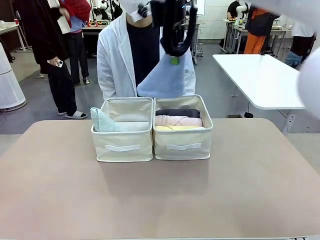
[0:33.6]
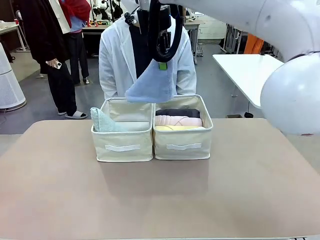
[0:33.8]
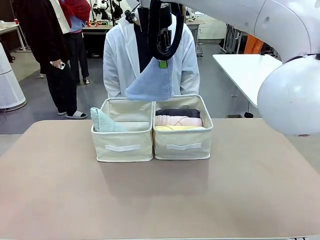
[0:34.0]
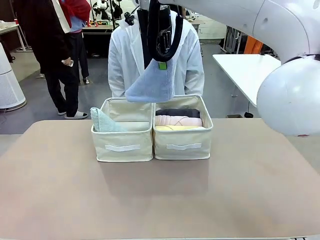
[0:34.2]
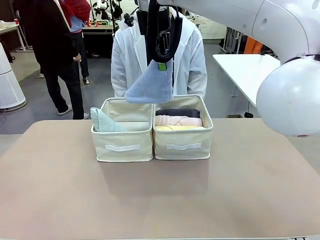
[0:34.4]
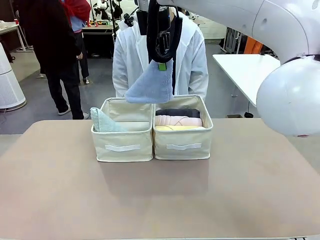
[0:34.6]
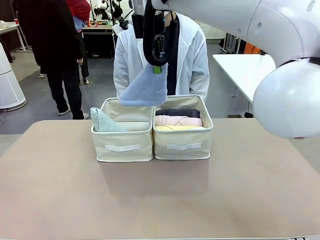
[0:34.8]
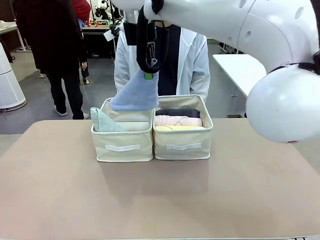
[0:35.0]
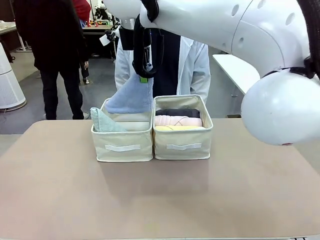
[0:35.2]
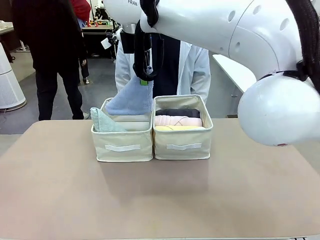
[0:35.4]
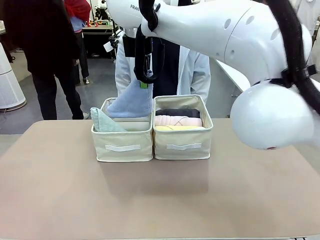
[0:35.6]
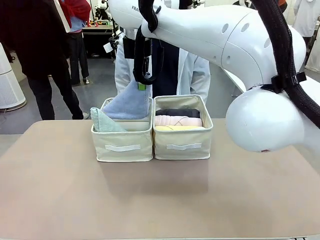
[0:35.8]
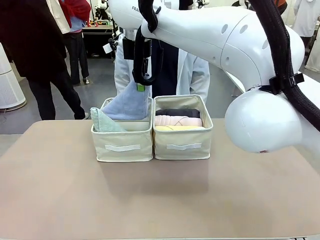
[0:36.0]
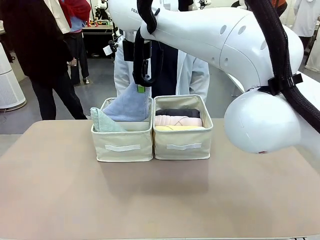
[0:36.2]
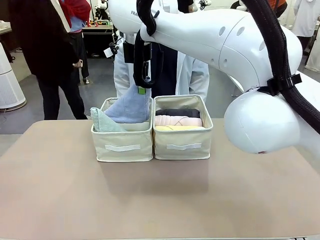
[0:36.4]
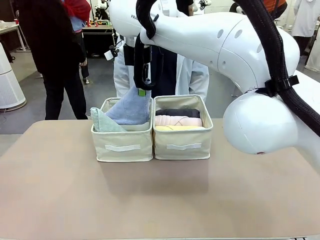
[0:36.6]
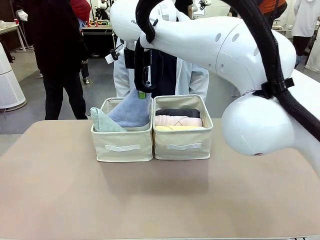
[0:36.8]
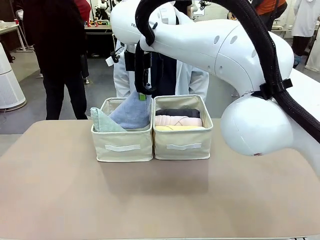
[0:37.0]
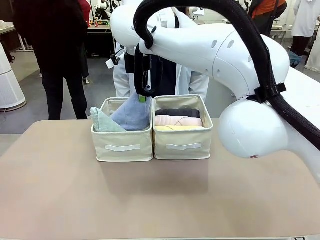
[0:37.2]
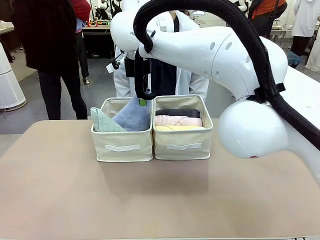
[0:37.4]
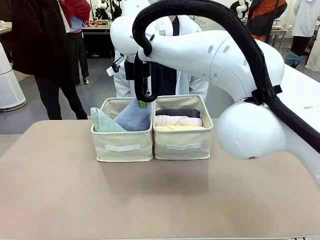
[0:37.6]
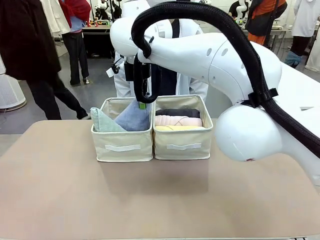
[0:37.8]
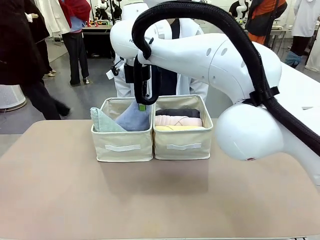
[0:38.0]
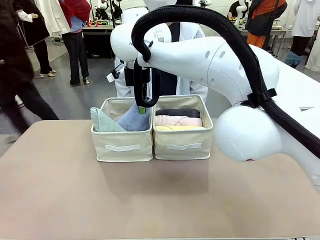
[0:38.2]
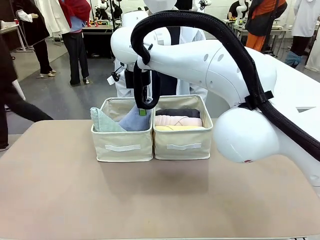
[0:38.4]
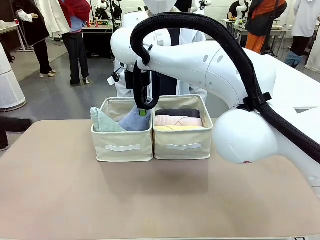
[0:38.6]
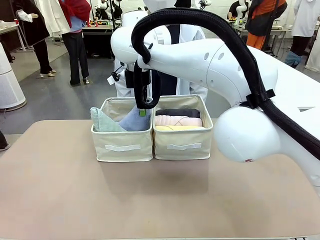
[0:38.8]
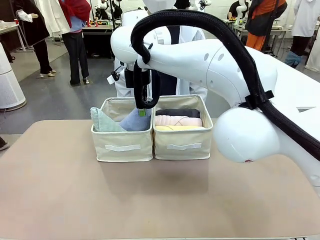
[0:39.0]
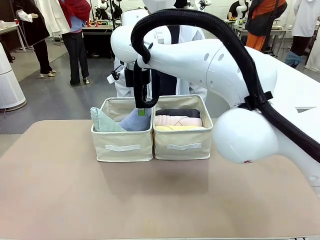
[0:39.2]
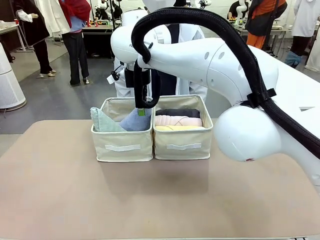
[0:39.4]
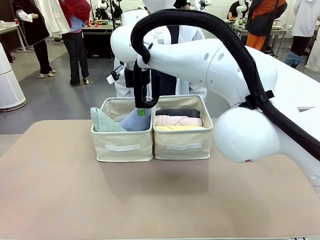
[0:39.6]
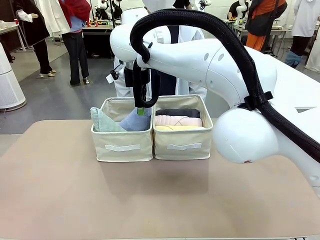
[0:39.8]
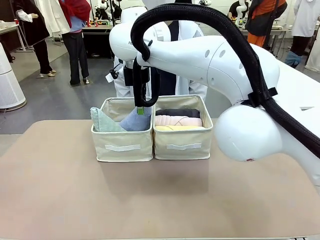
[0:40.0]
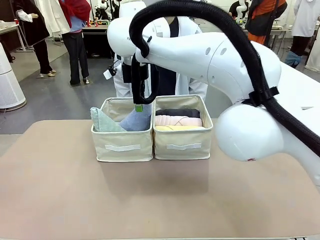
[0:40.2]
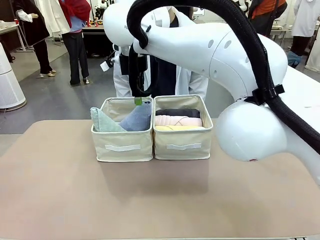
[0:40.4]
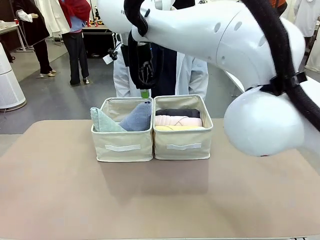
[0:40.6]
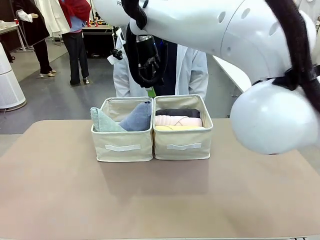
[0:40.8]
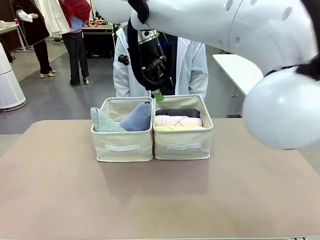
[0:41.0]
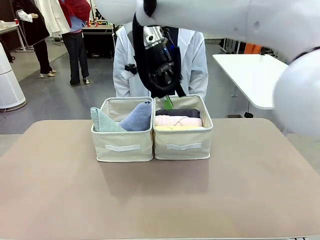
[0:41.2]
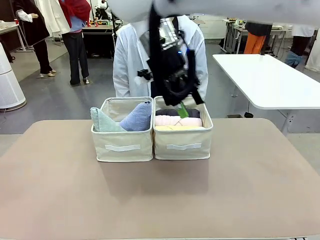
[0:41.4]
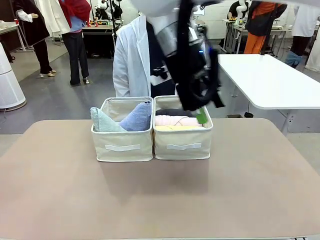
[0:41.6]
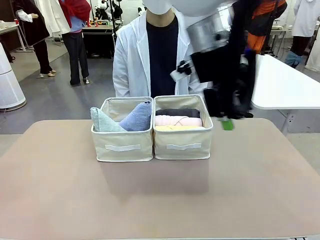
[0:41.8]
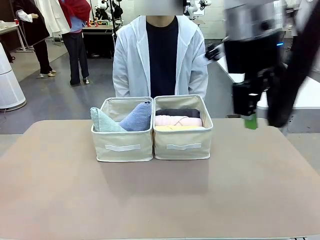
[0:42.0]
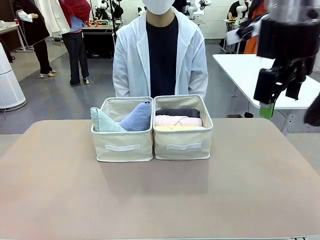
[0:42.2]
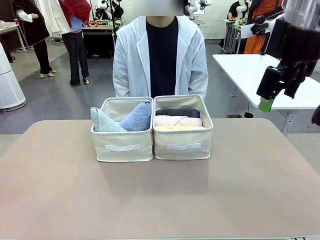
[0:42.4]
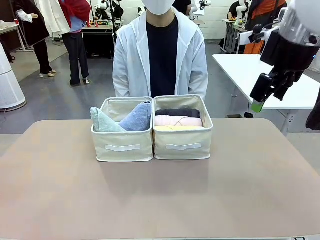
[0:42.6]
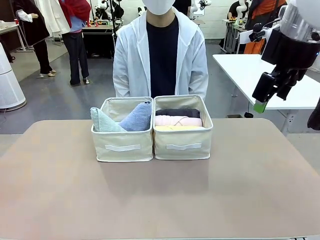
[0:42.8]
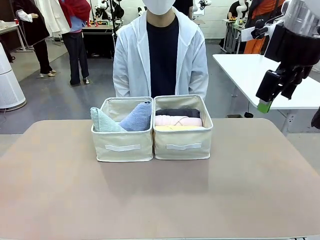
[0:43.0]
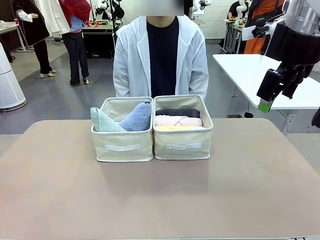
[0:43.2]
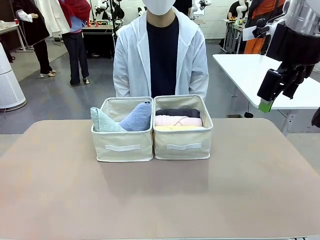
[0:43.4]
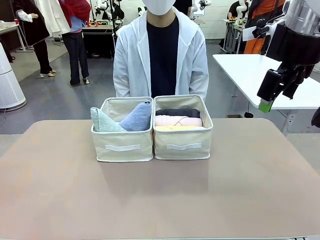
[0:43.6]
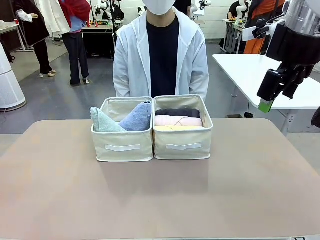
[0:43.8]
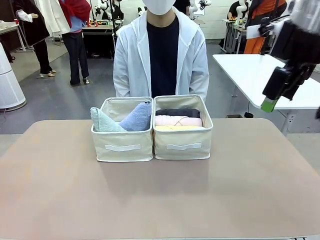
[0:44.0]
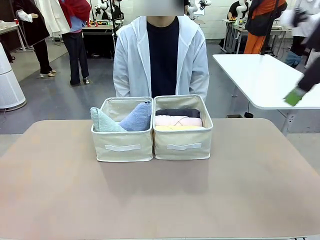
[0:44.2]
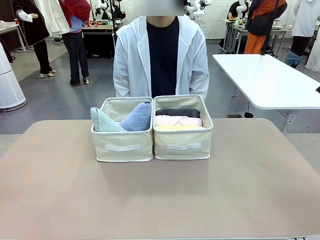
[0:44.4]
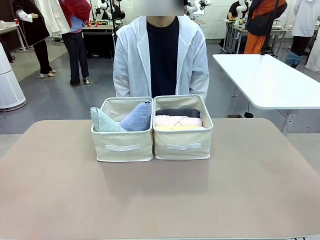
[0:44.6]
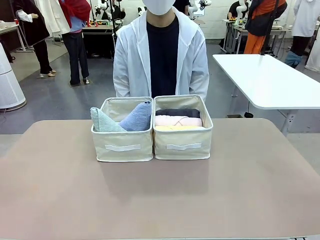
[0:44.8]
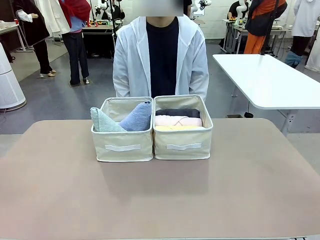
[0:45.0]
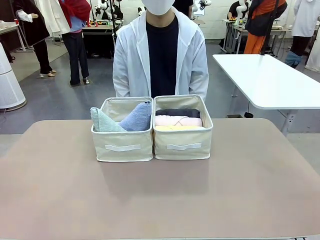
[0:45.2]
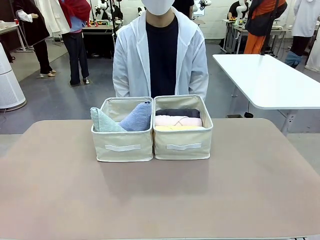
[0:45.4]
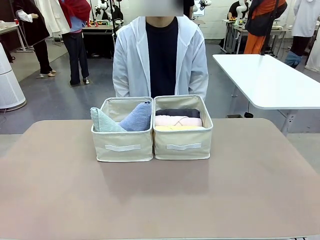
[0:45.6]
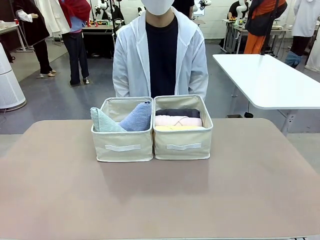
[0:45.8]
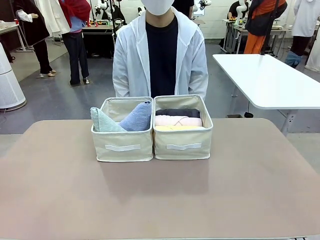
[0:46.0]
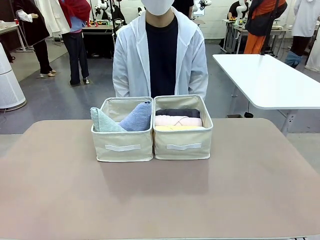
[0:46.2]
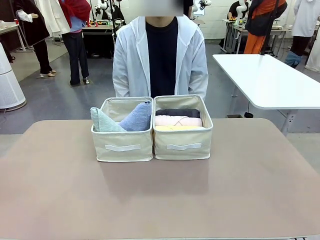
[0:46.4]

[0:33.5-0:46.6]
Task: Sort the towels based on their folding style.
Robot: Pick up another triangle-folded towel from the table and place it in the left Fabric basket.

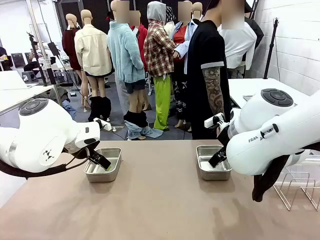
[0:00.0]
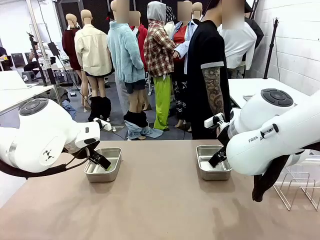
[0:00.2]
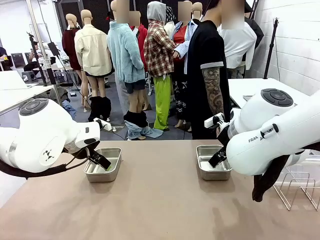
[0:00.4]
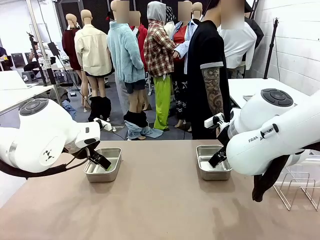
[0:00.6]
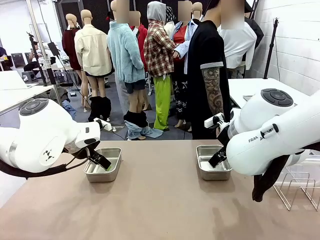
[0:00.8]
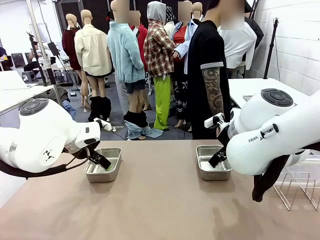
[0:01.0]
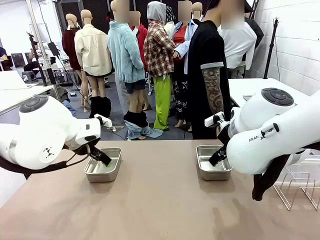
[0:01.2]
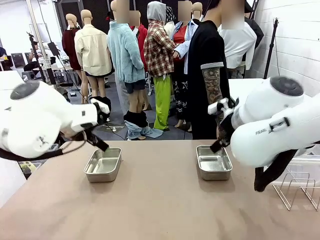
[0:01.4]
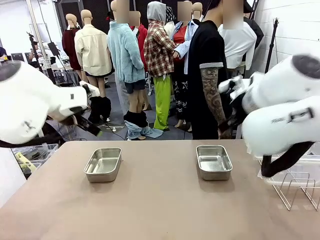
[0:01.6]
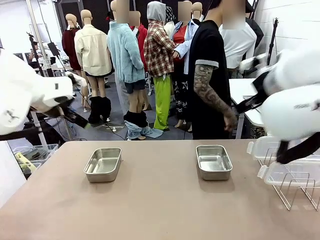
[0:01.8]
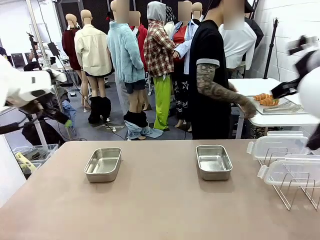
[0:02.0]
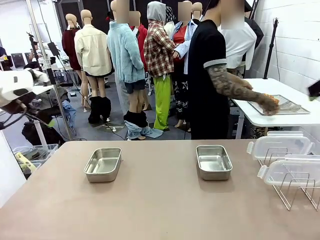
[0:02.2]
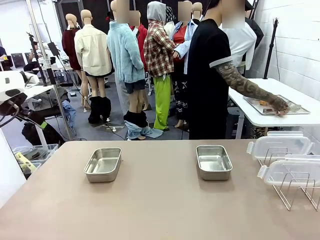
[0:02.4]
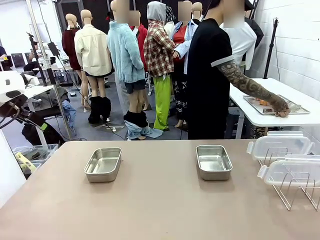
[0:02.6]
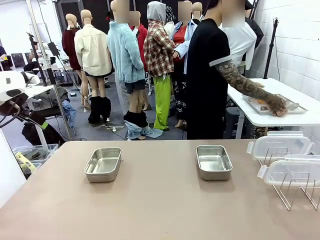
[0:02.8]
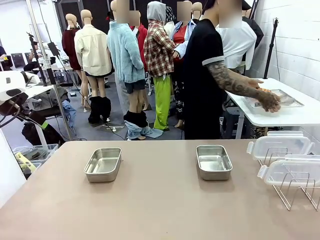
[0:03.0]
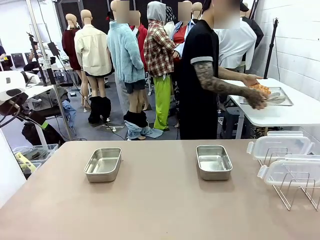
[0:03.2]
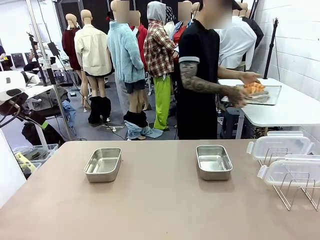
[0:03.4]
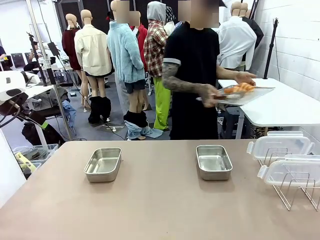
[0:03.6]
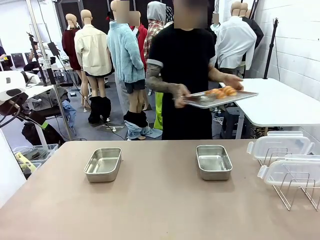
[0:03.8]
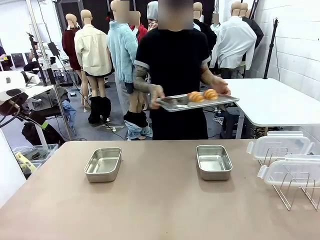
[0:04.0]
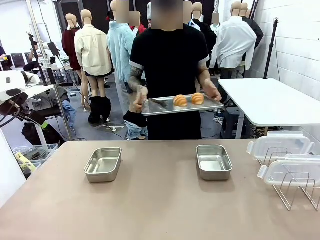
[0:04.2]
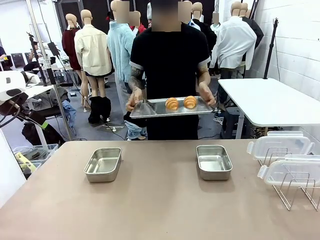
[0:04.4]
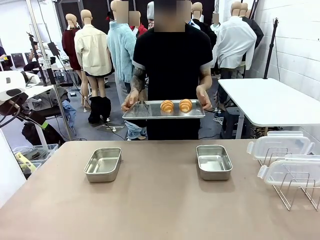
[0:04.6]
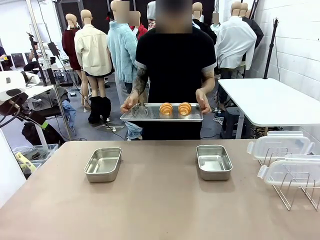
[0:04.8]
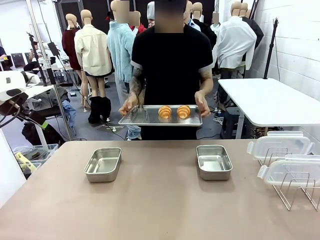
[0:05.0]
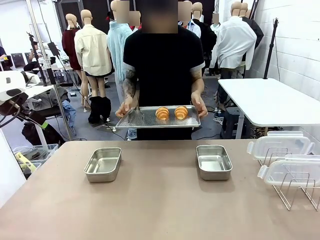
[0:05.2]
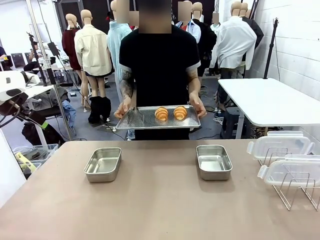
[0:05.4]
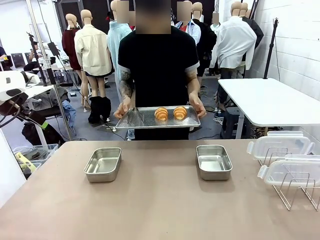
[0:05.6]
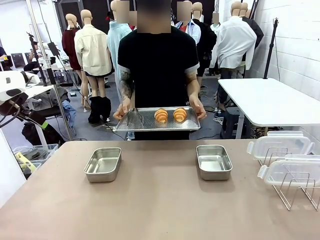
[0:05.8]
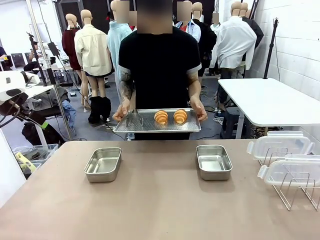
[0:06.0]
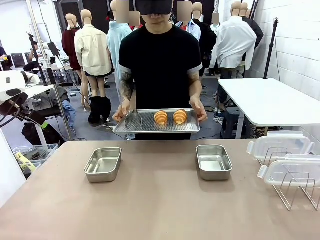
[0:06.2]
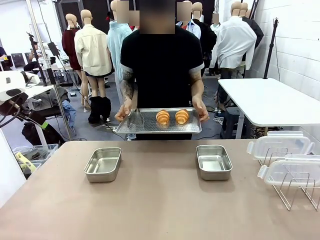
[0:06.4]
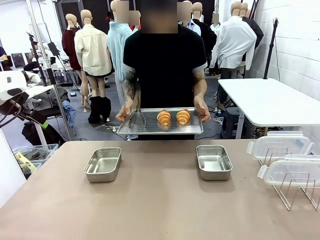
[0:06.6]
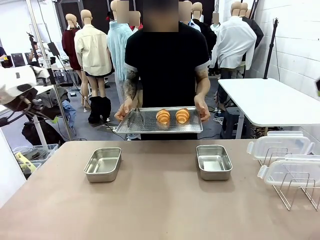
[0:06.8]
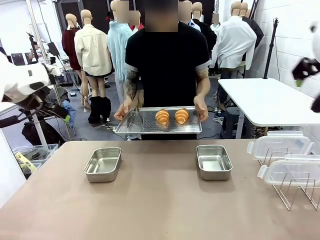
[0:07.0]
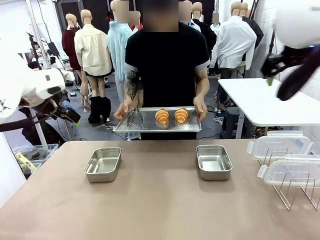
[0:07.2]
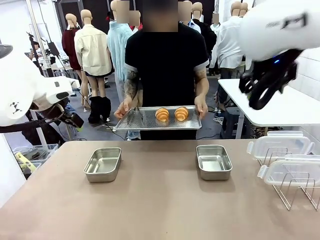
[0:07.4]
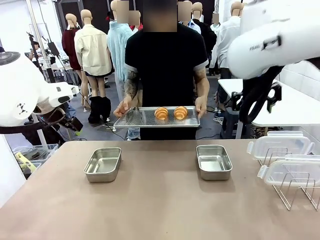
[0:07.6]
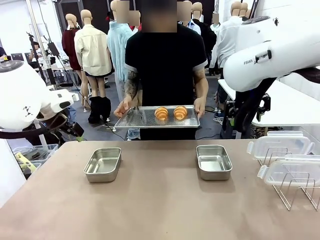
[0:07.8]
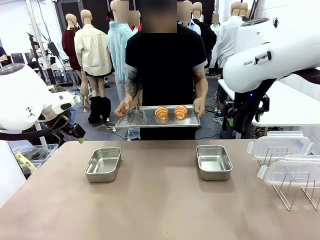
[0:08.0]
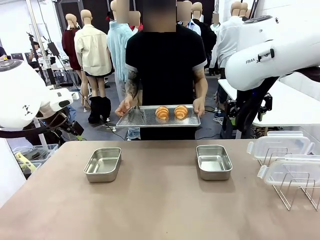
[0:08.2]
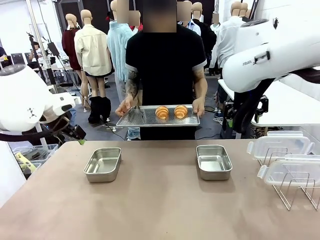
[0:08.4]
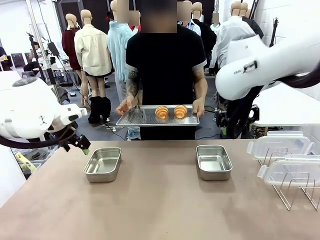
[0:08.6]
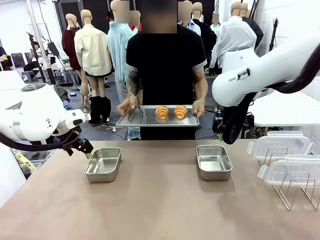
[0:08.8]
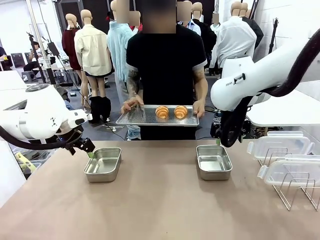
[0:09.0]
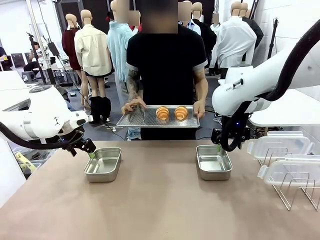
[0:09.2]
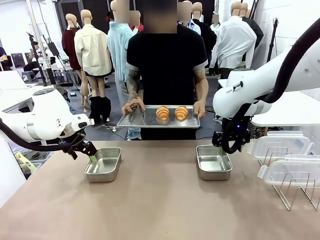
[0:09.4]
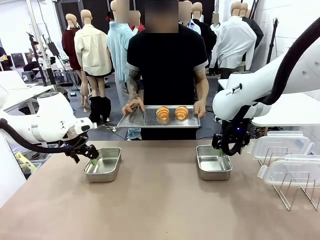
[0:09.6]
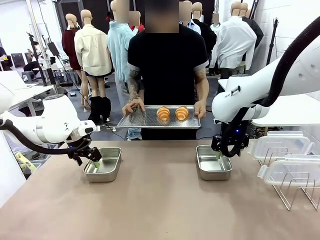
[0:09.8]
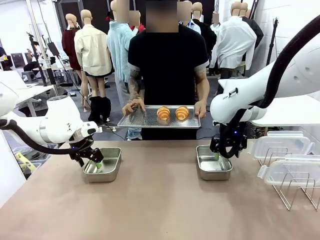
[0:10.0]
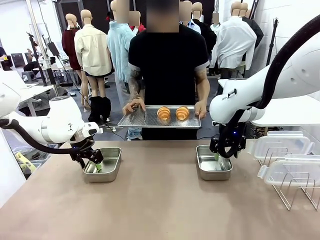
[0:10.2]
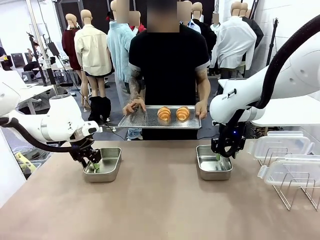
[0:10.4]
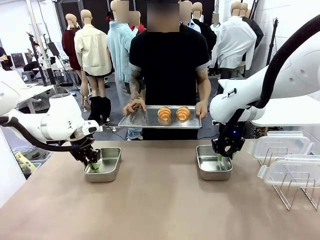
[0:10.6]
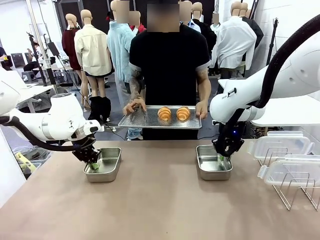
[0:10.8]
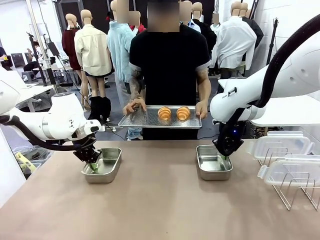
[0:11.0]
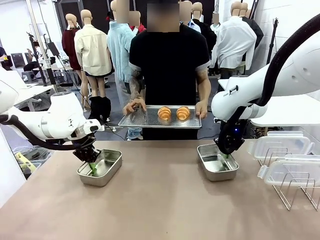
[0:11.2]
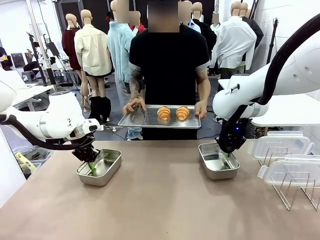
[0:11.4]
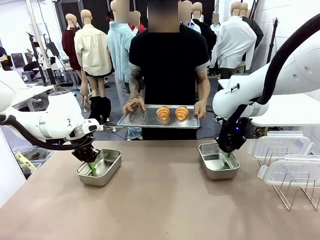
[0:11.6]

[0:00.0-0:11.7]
Task: Place the bread in airtight containers.
Robot: Lift both Airtight Container.
Person: Bring the Baking Sheet in front of Robot's Table.
